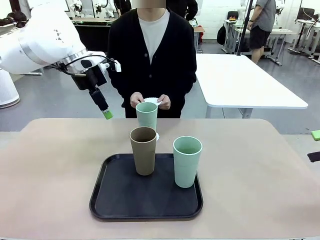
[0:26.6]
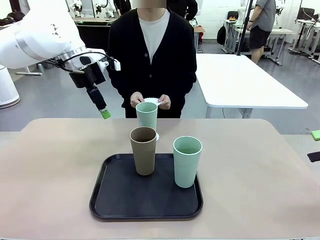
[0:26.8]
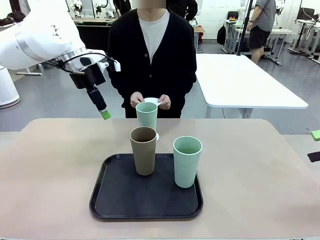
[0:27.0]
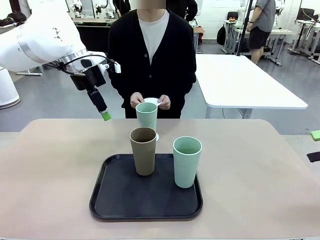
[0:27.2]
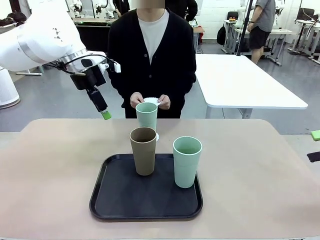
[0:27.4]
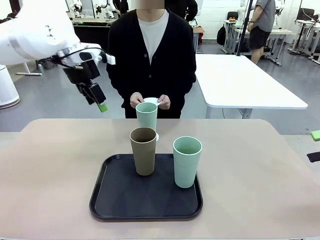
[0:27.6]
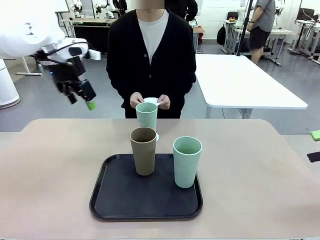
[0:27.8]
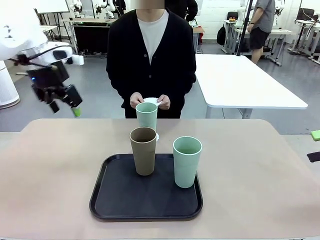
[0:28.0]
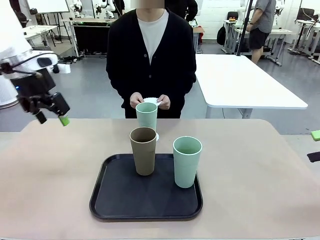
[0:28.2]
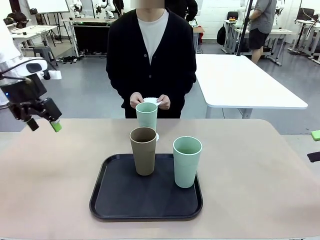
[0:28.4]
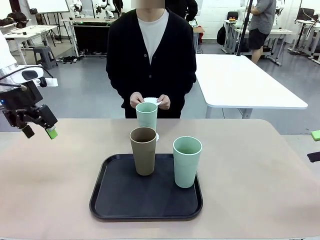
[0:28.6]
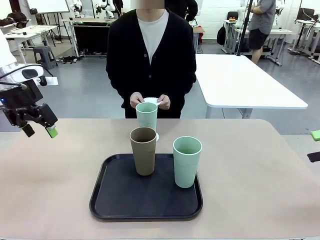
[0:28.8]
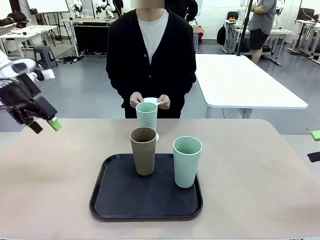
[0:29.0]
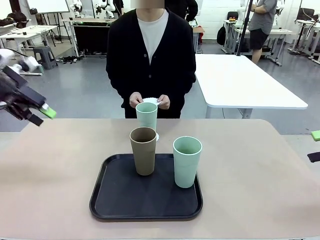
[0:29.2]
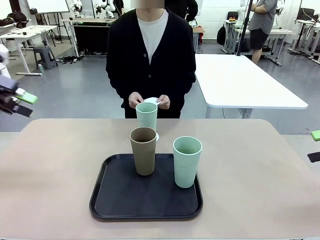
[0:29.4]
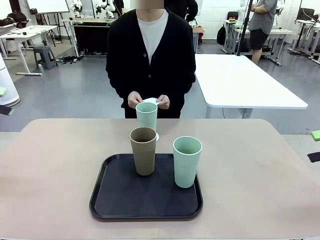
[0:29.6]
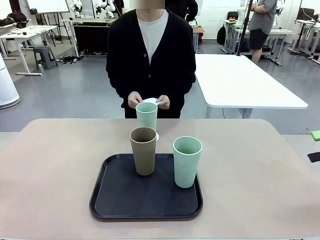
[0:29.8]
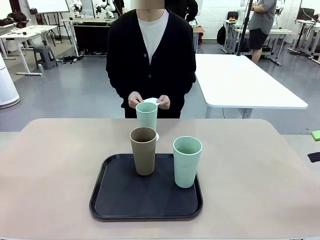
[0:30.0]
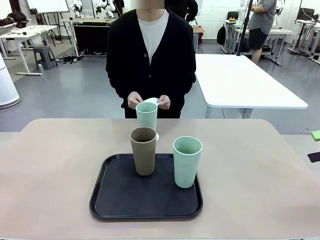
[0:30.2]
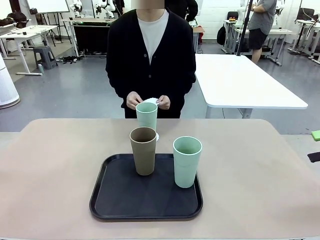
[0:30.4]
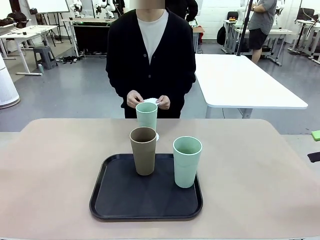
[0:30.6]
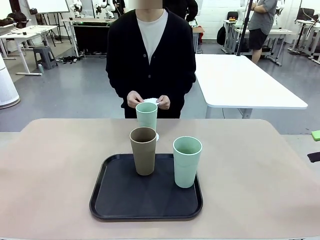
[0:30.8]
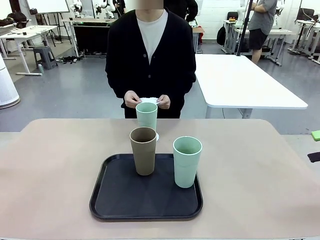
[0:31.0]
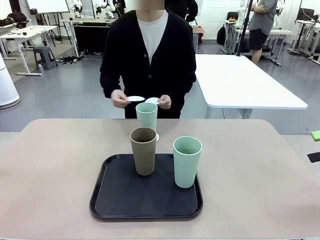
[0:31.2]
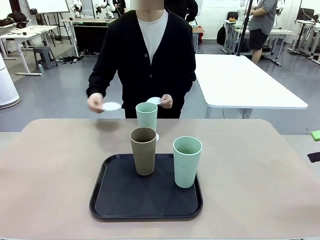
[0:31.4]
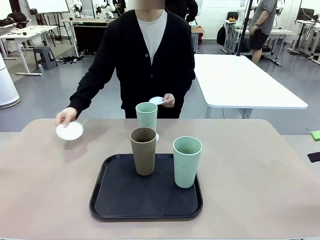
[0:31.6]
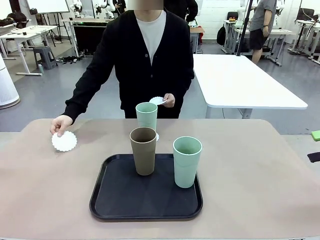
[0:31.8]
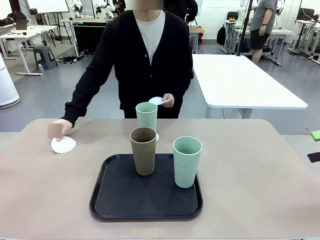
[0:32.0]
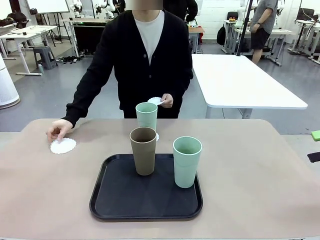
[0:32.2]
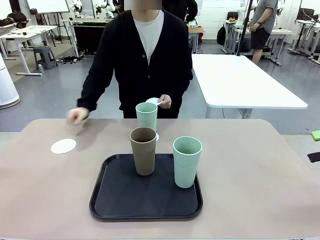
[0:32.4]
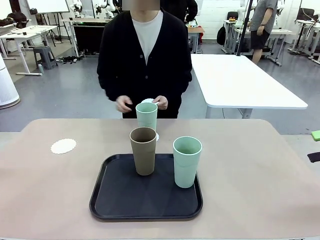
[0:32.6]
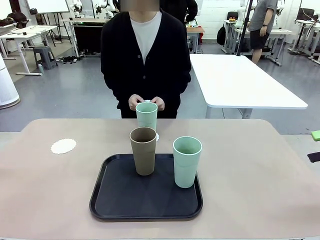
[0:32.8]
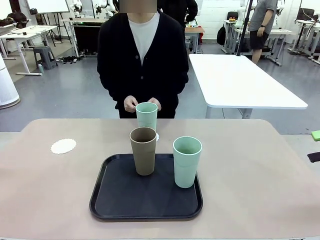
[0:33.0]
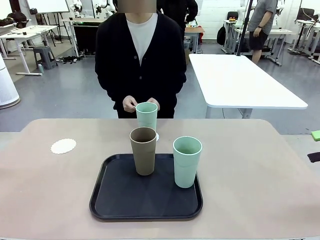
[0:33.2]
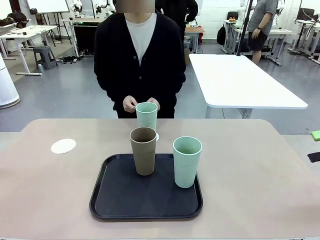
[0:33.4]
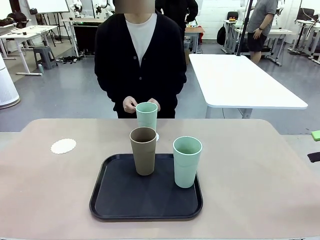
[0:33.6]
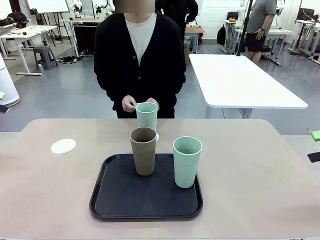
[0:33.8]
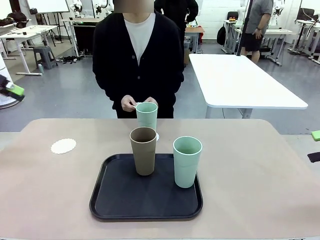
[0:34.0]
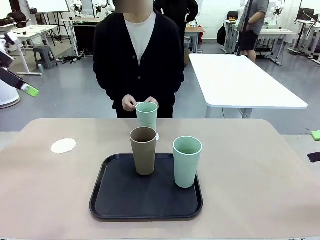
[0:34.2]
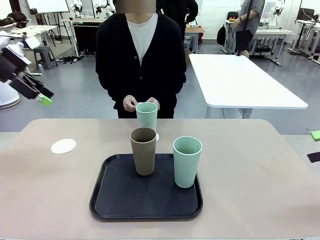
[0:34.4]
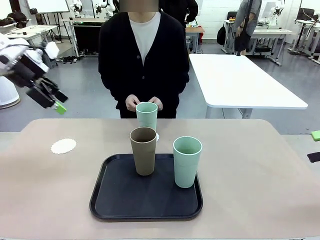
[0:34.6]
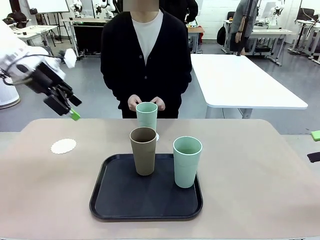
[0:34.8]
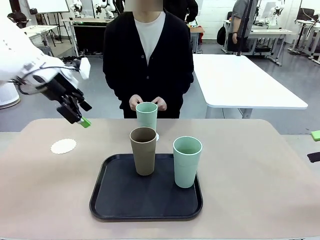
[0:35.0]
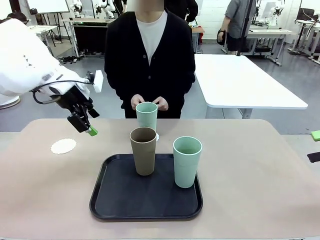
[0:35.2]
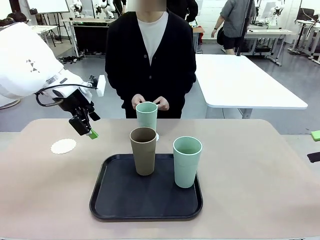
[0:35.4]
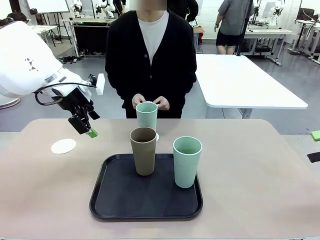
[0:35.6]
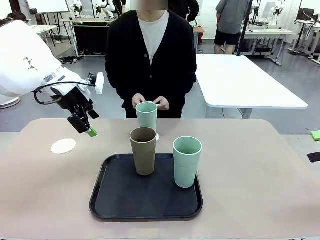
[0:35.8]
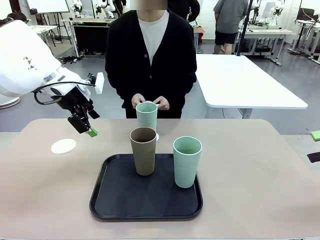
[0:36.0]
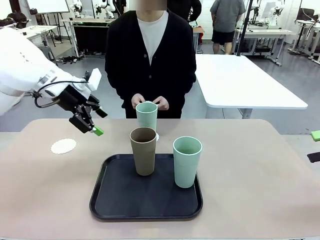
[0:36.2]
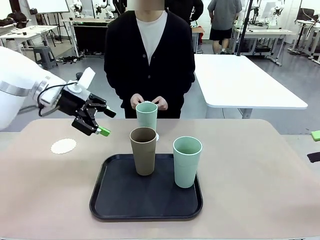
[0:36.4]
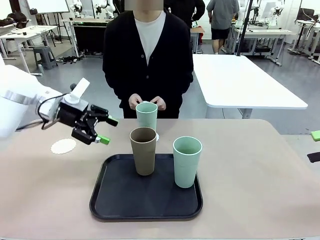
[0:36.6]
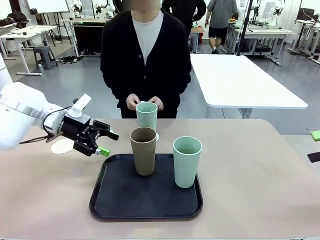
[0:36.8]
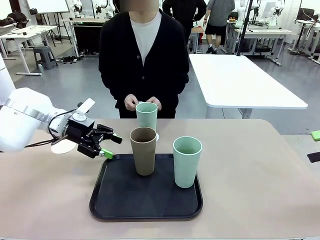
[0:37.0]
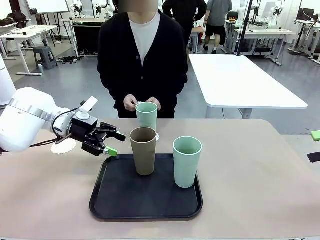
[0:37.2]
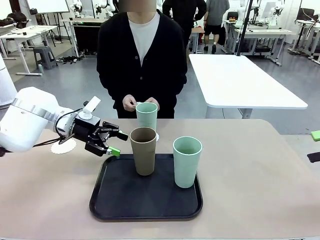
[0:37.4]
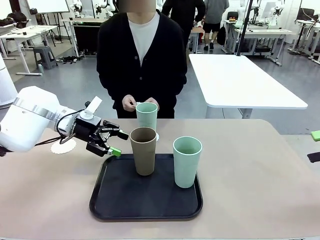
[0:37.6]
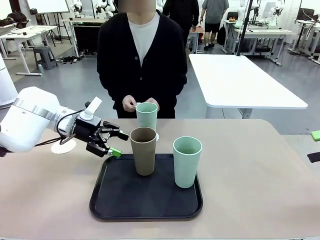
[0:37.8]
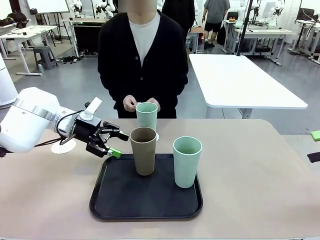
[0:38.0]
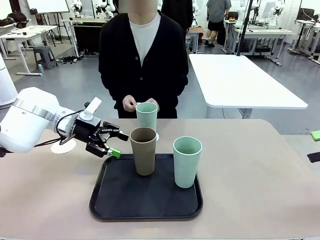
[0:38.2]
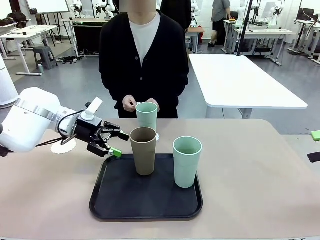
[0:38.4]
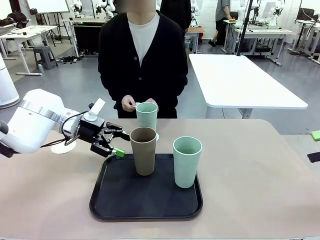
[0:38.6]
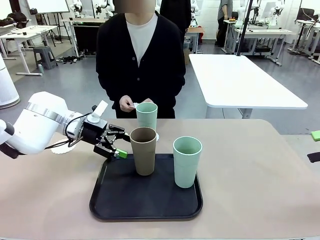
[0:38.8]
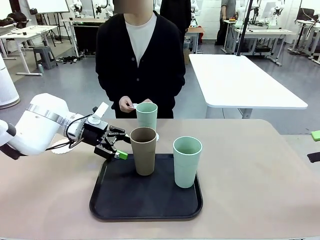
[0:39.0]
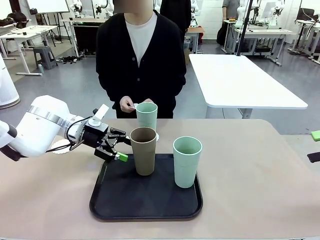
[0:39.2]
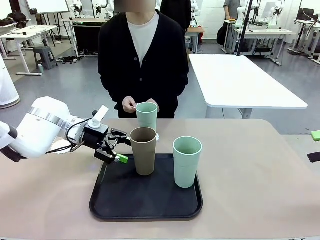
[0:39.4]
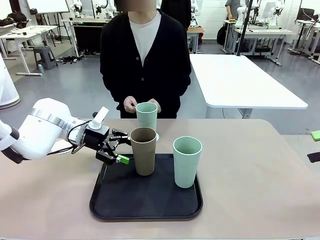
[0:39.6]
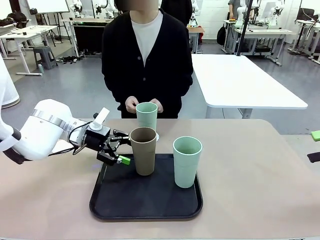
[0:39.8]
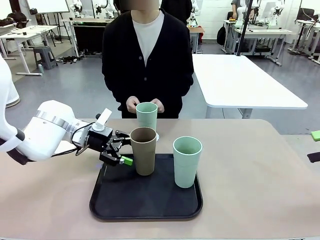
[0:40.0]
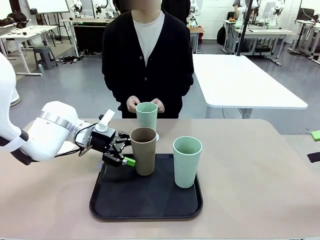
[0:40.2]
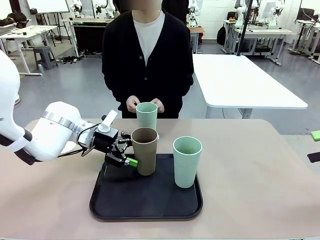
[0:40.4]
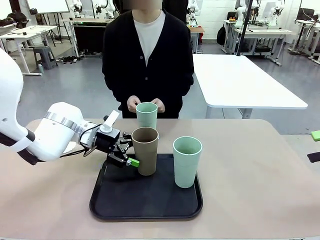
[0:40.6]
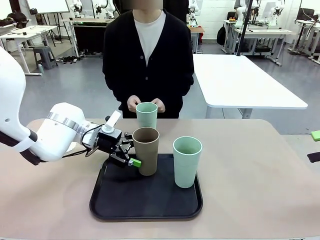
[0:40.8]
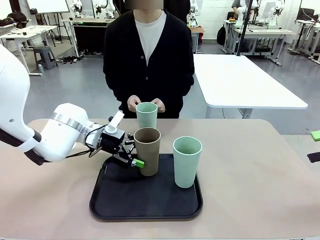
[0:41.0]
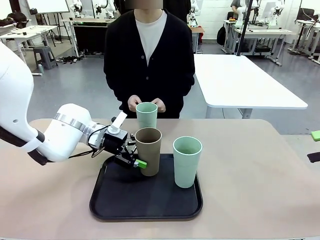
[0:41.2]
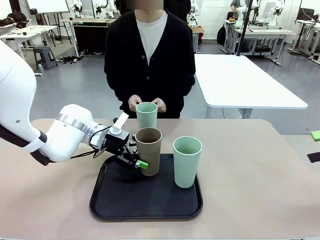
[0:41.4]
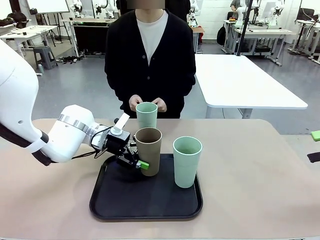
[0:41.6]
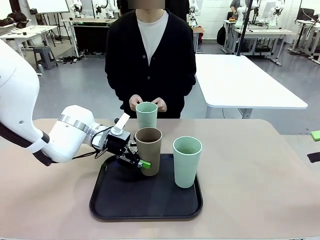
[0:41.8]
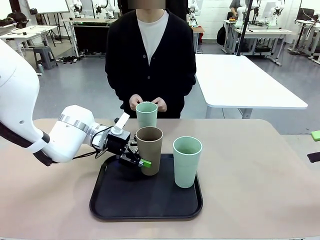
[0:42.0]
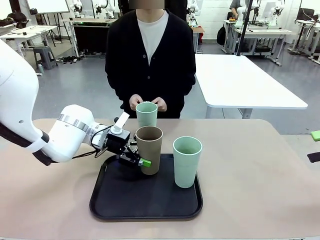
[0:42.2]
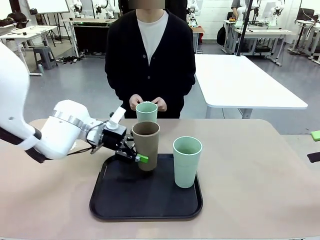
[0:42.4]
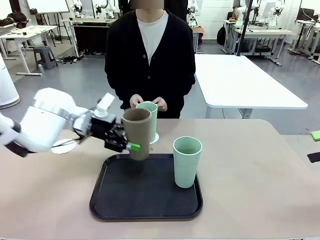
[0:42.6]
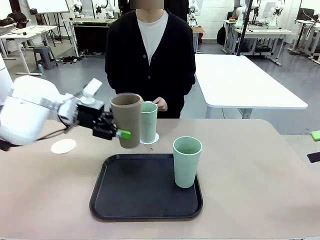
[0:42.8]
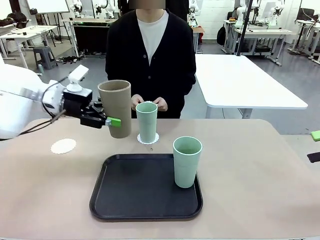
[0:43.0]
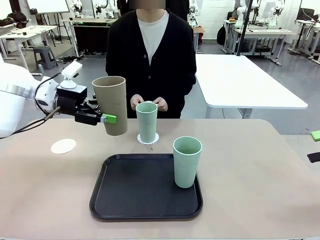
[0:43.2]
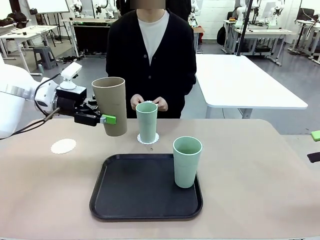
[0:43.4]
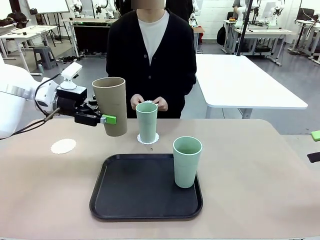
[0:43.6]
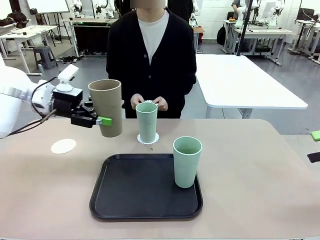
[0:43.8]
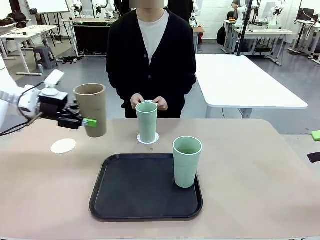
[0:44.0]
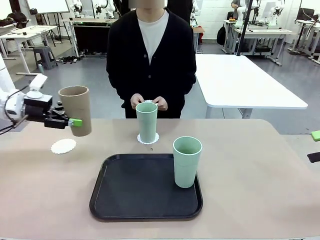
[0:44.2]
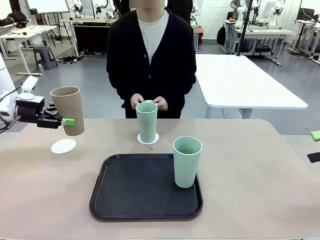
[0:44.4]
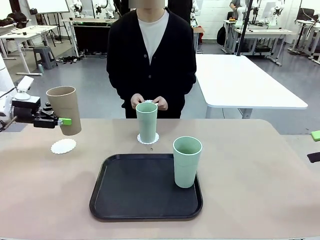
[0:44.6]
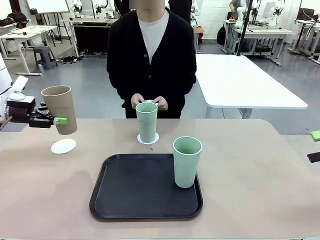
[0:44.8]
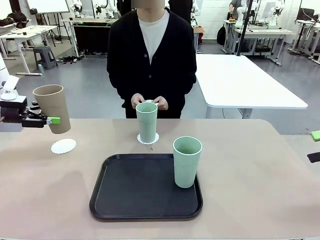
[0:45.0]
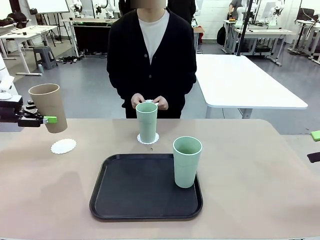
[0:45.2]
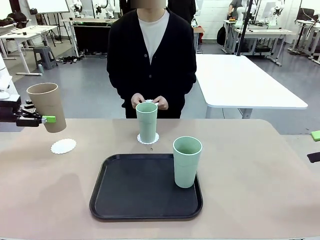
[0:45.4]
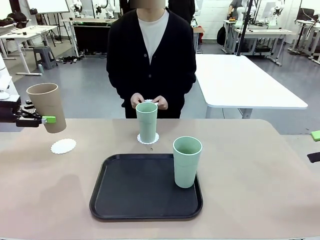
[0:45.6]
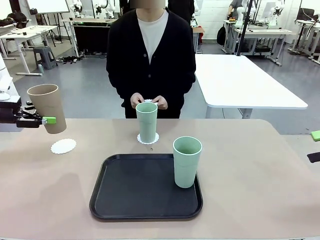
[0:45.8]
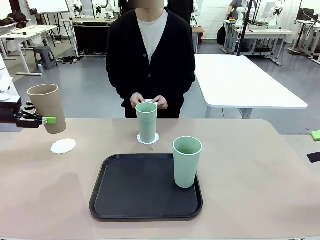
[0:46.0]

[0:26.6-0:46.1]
Task: Place coasters on the table and set cups on them.
Robot: Take one Reusable plastic cup from the Flat Tray and place it on a coaster set by the human.
